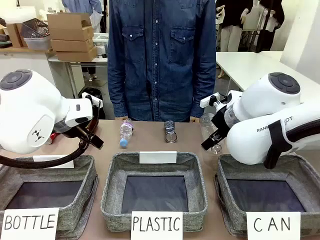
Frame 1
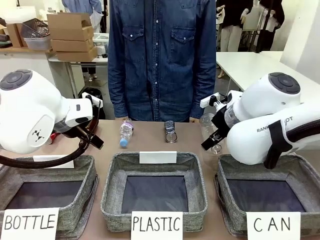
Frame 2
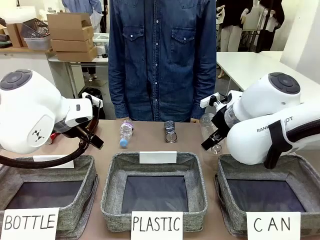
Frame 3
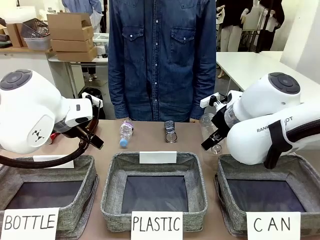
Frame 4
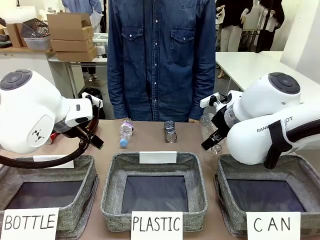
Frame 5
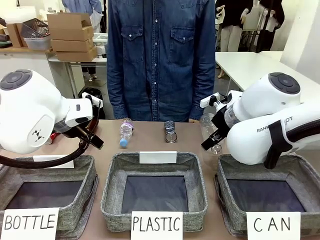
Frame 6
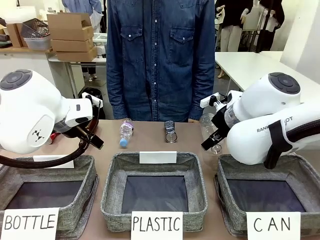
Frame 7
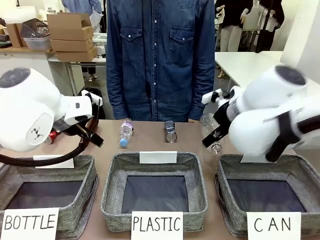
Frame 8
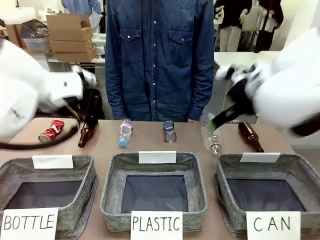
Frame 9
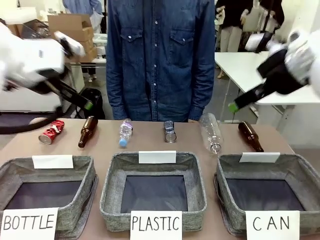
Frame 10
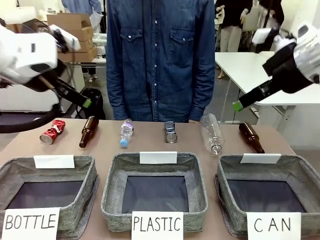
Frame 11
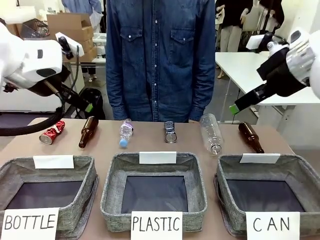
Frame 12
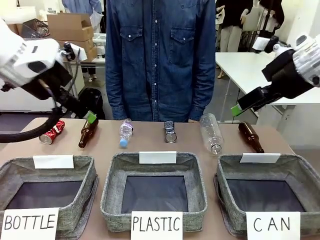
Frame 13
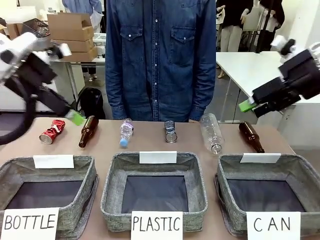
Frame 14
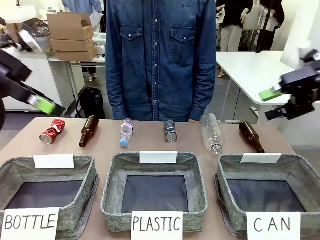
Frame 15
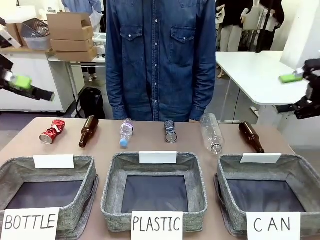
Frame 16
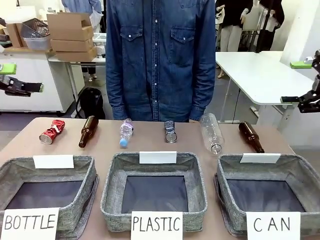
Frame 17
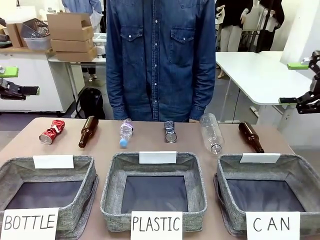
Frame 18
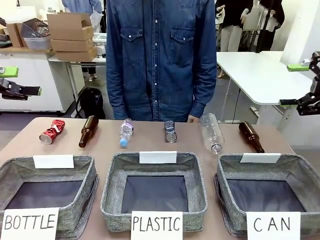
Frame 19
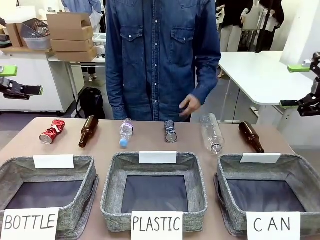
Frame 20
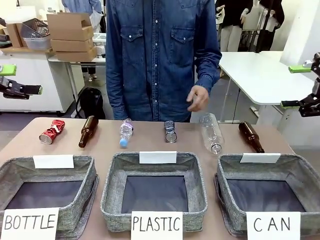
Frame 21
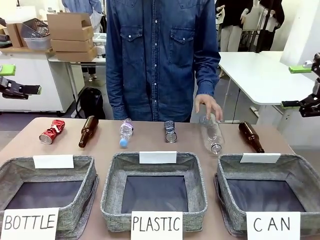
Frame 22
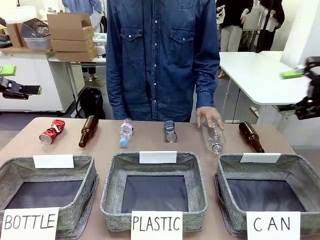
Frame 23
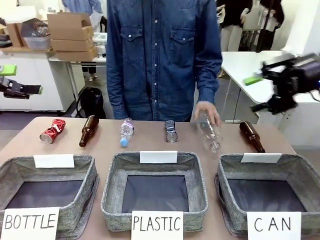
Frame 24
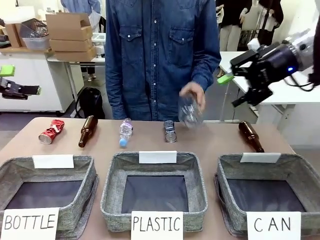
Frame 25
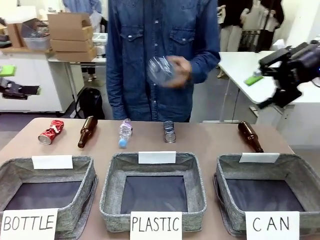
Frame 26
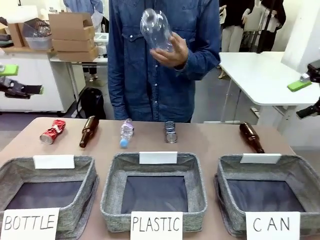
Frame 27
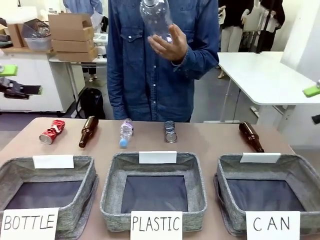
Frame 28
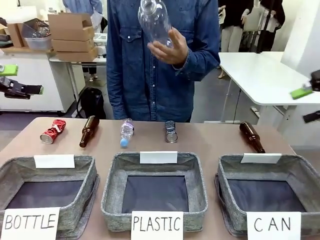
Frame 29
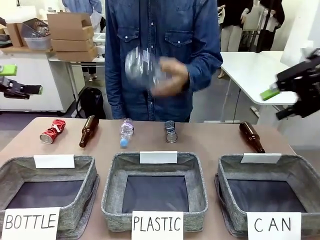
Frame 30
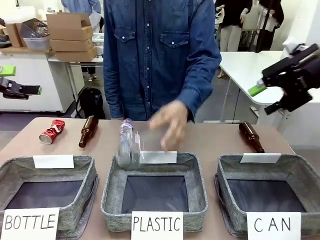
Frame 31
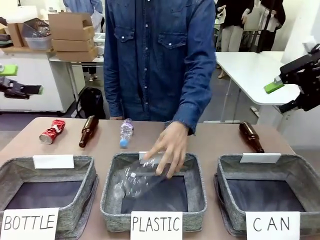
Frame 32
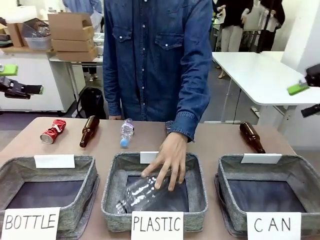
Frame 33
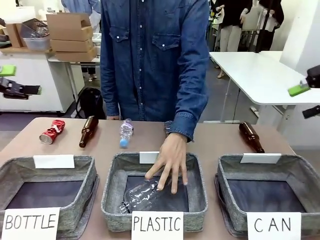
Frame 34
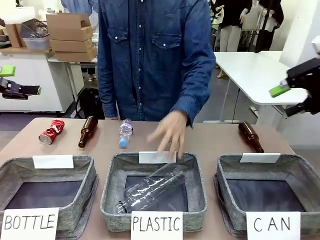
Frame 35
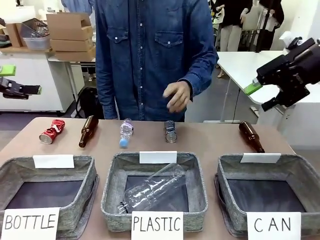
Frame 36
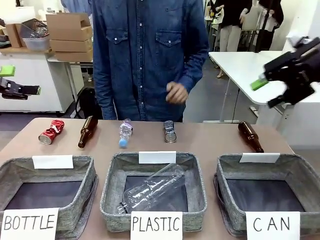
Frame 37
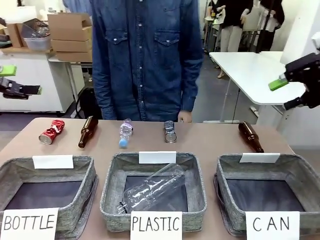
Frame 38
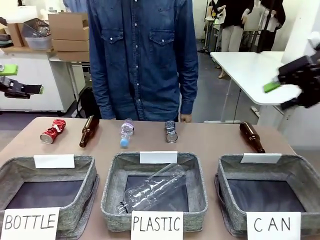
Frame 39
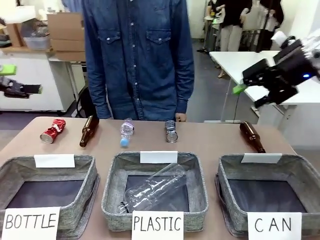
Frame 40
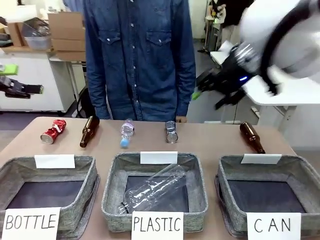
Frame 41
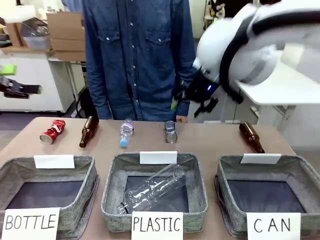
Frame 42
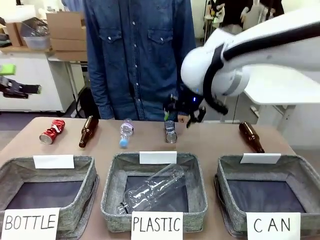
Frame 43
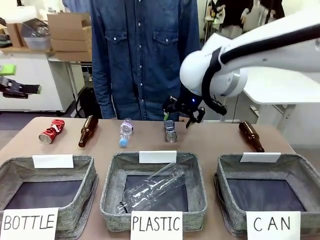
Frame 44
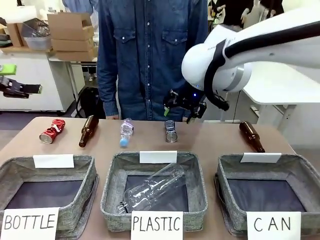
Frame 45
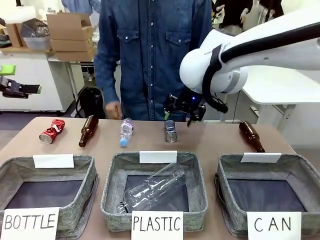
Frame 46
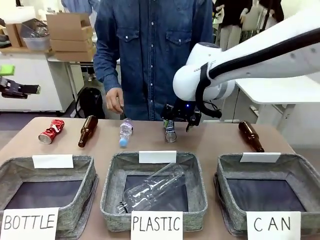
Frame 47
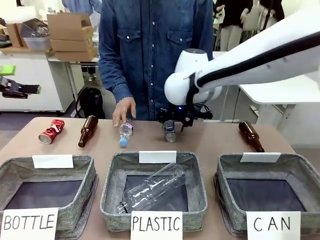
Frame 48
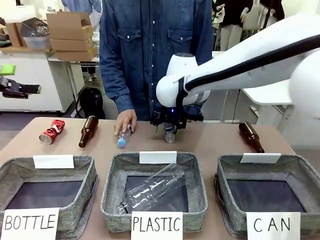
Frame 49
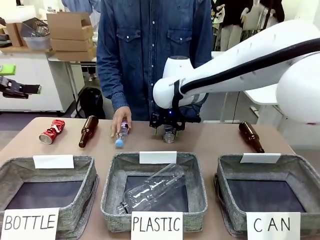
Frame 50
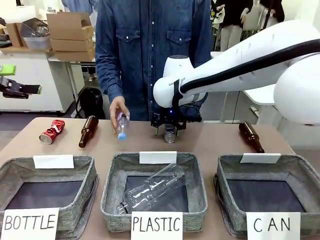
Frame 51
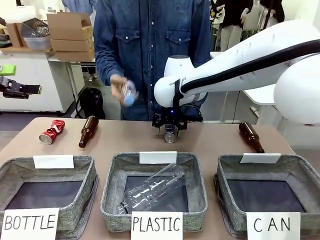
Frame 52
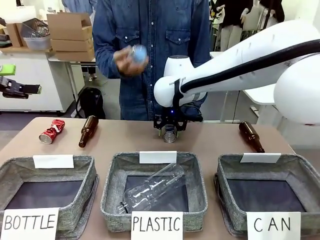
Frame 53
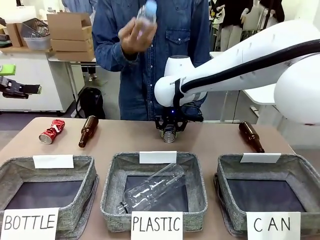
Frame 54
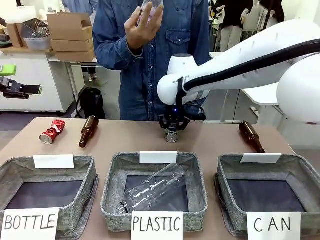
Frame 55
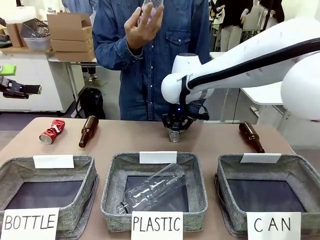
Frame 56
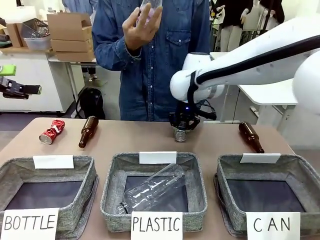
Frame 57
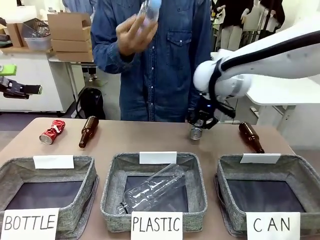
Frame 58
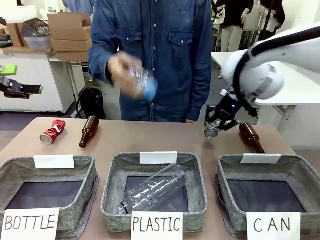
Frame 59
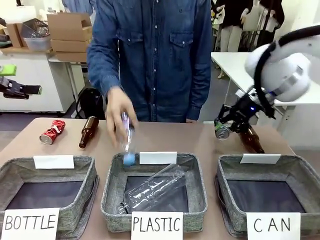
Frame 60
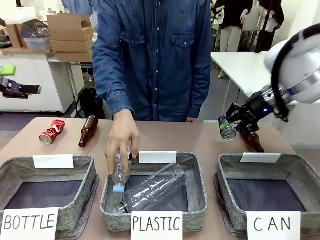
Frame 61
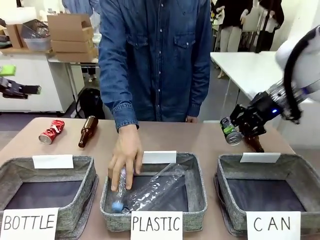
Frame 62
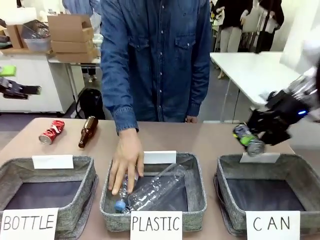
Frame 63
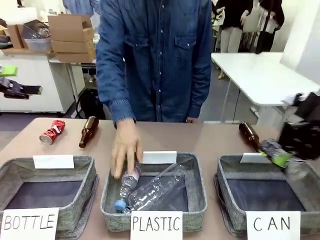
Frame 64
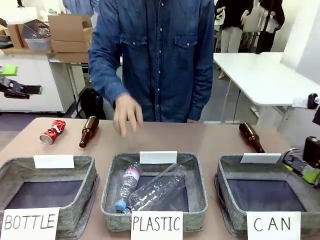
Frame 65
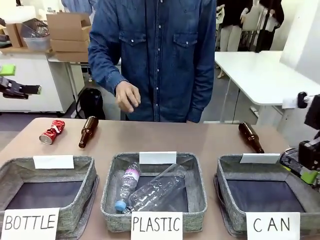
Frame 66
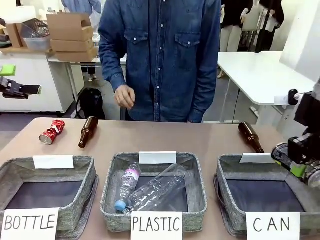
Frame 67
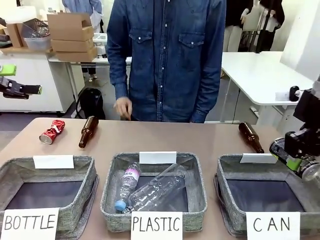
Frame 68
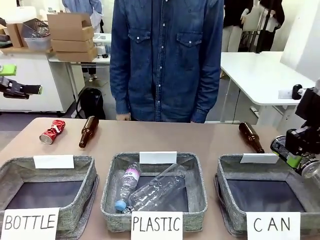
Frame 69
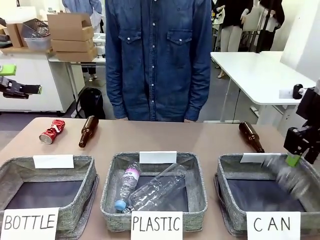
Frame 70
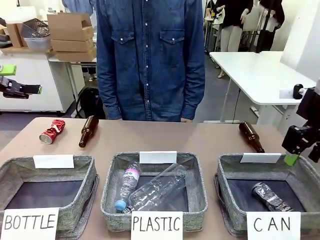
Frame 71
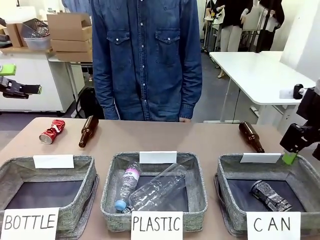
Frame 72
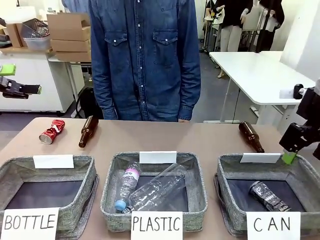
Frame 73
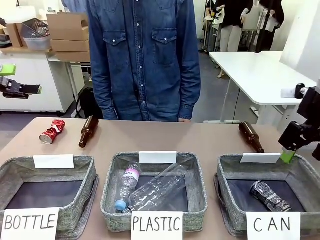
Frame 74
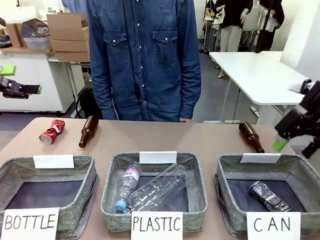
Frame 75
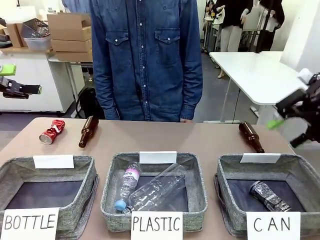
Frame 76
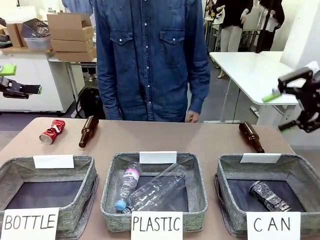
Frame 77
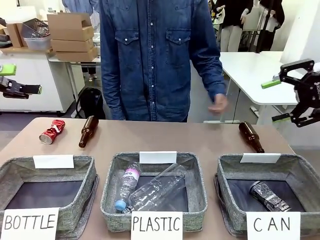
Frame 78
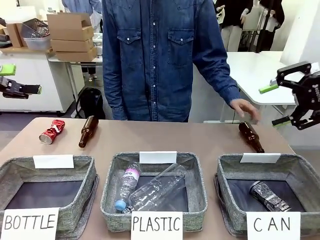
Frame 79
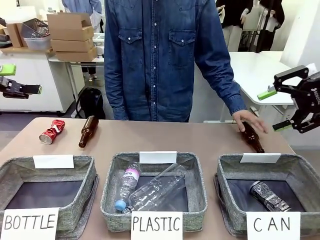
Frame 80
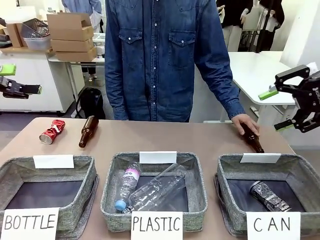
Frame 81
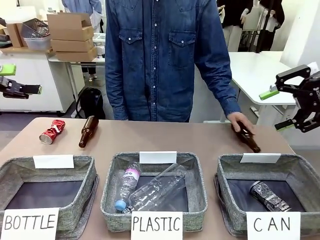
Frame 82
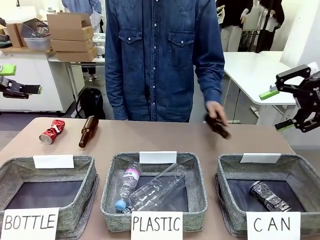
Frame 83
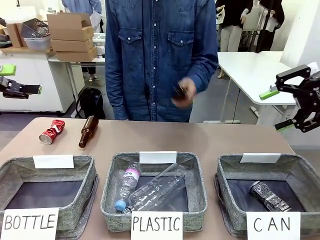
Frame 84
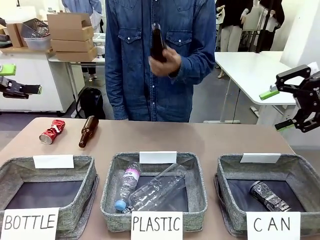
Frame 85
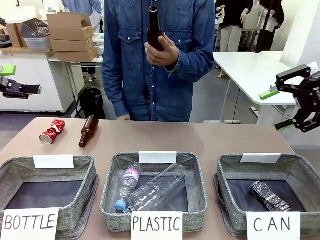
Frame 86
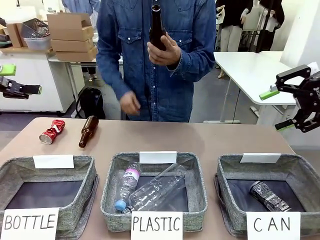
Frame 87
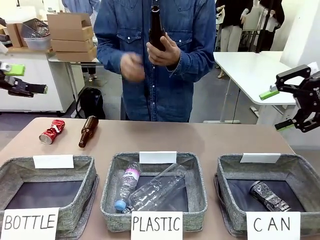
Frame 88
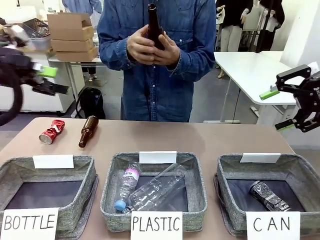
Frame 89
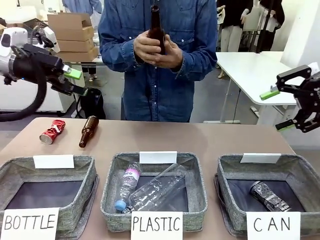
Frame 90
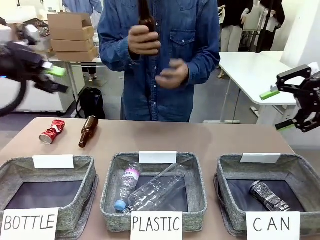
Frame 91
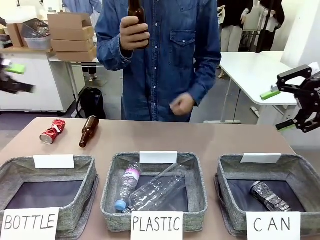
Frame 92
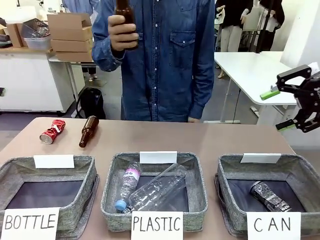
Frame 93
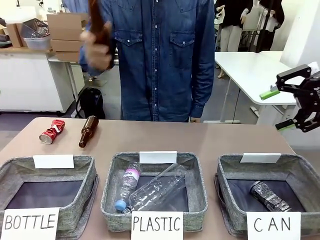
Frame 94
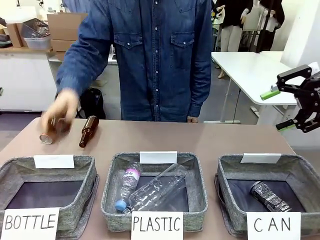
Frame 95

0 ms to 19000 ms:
Task: Sort the can waste into the basket.
Robot: Pick up the can waste from the table and place it in the right Fabric basket.
